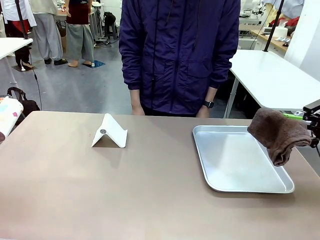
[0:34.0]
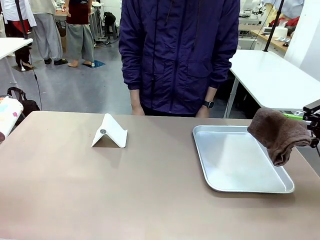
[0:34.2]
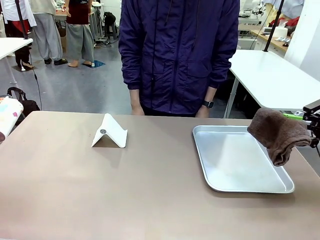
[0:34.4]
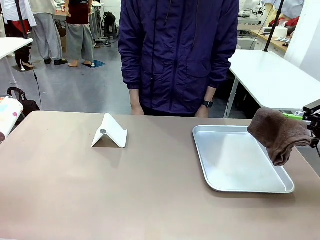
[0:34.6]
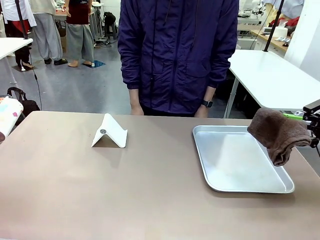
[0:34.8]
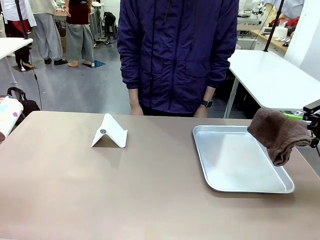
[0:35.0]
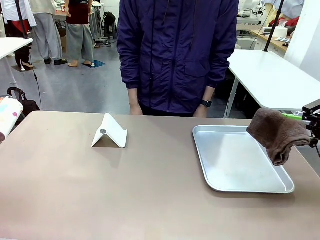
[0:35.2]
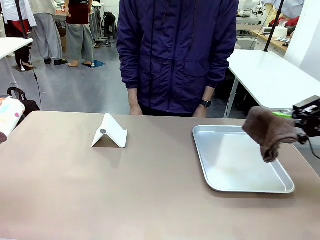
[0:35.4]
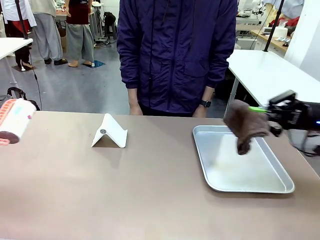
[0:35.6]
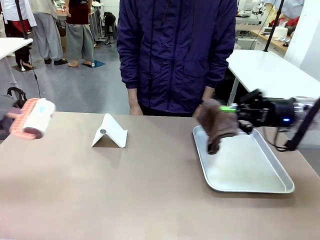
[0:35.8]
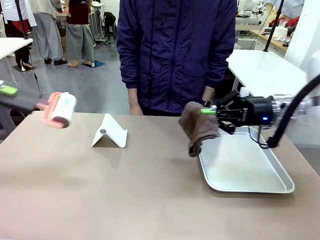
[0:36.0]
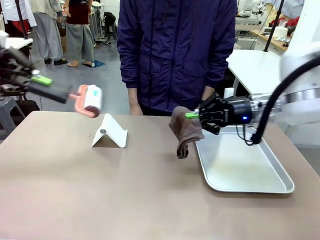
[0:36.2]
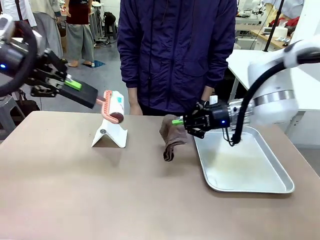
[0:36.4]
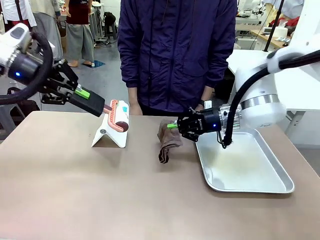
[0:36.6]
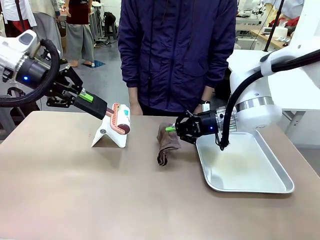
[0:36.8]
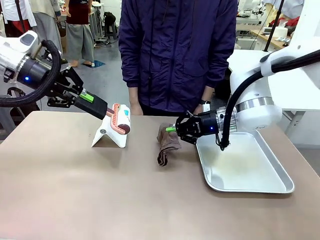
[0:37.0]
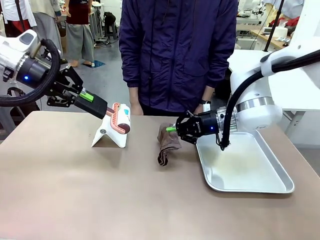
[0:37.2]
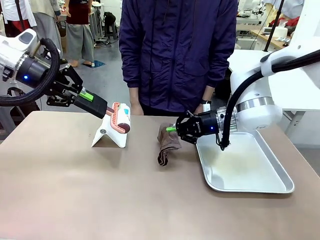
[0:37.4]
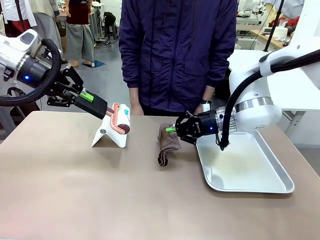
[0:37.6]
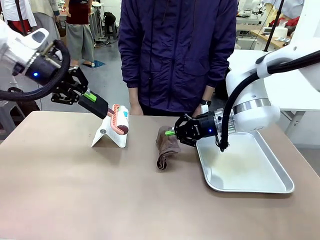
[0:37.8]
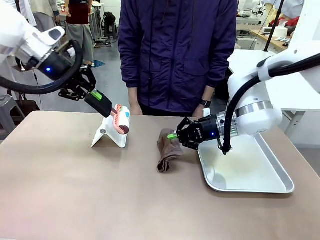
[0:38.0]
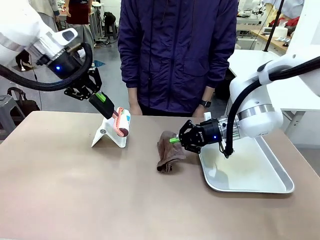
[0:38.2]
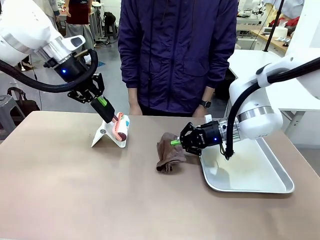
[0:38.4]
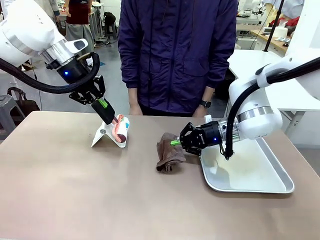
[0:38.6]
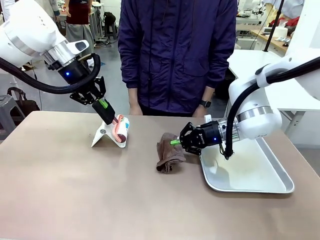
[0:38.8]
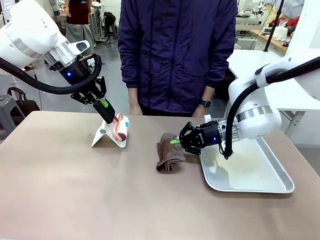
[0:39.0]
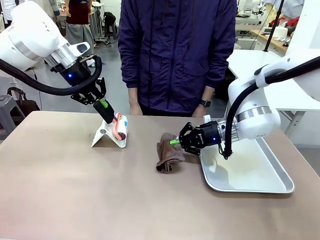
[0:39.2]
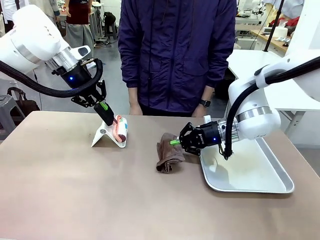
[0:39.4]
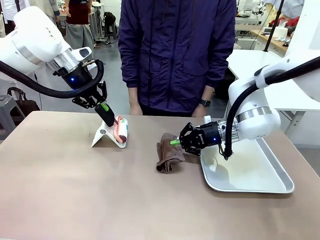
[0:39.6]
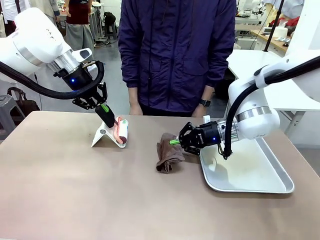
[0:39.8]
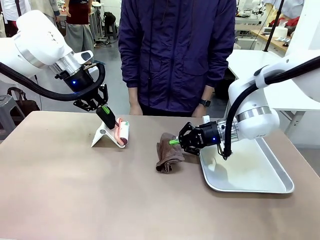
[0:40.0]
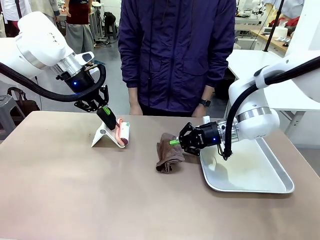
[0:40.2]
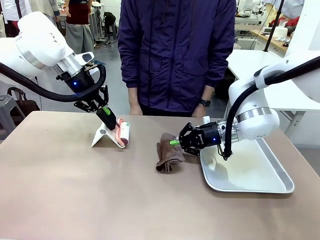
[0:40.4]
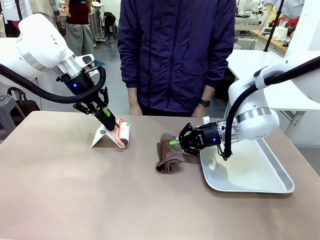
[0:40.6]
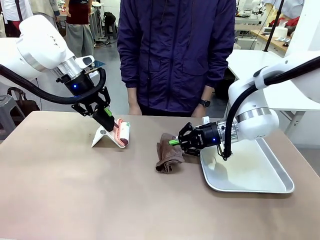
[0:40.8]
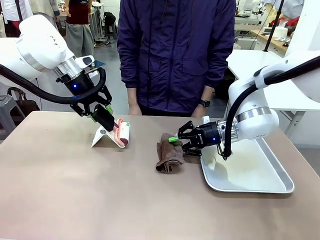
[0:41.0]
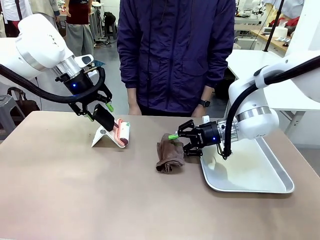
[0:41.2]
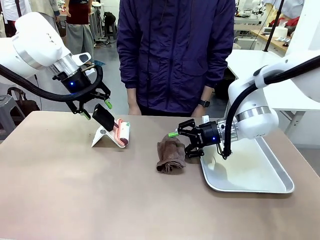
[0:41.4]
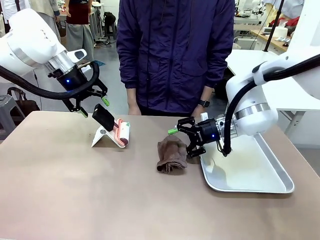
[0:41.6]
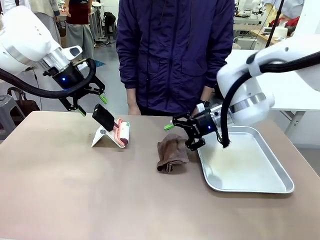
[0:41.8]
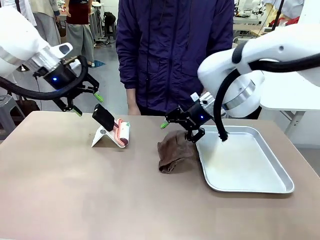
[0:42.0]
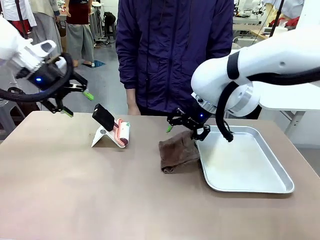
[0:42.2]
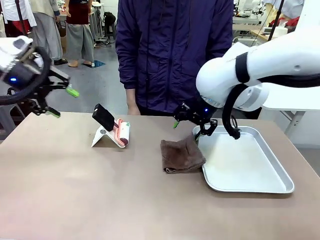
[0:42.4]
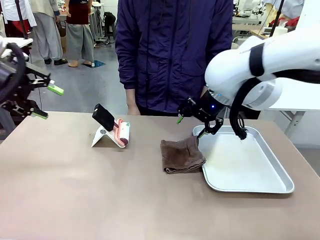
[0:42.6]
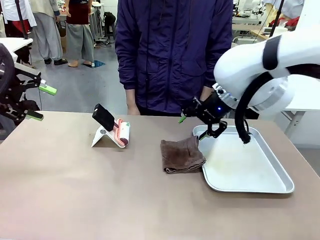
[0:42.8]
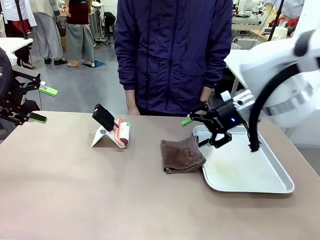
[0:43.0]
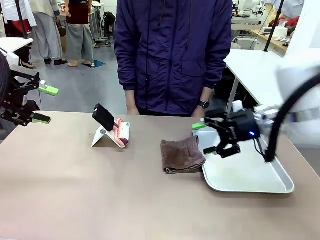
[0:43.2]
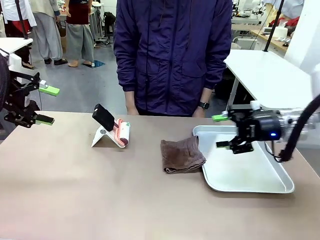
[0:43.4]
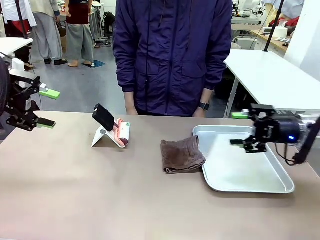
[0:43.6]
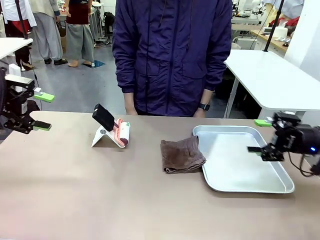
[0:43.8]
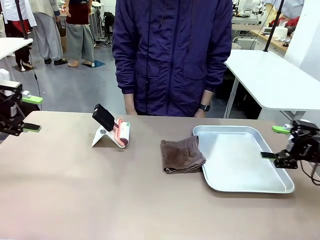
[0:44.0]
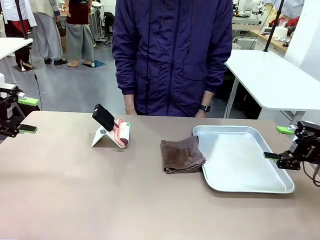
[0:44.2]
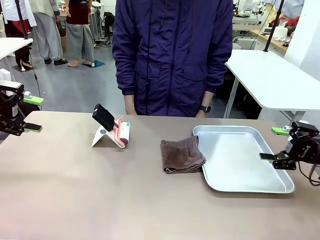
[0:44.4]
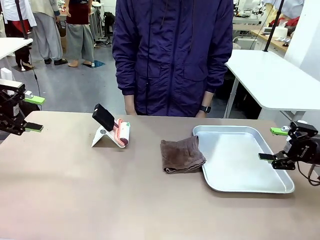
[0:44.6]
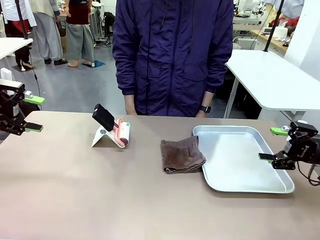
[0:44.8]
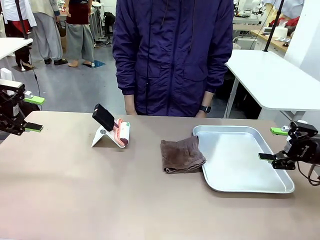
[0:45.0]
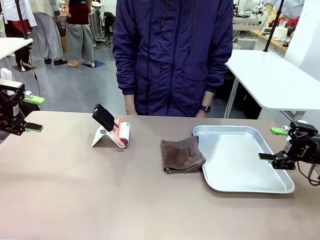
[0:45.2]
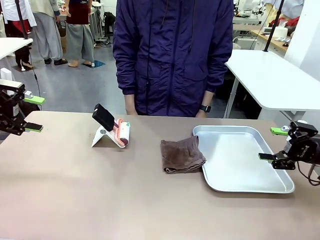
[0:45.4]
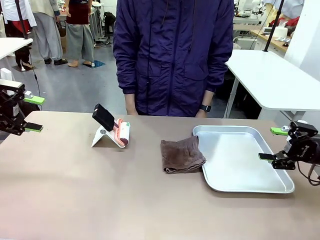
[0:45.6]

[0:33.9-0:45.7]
Task: Clean the surface of the table.
Robot: Return the Lint Roller and towel to their original positions.

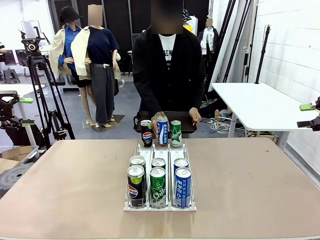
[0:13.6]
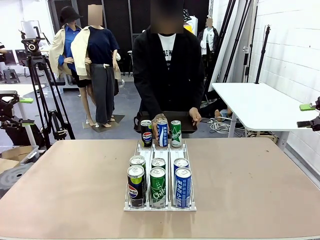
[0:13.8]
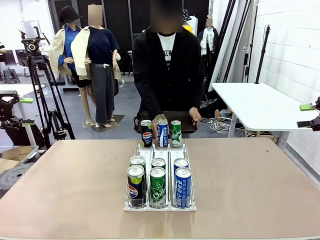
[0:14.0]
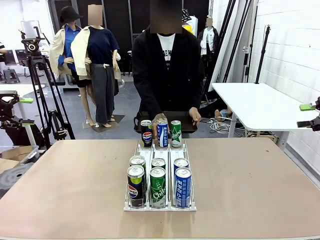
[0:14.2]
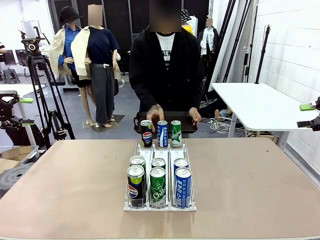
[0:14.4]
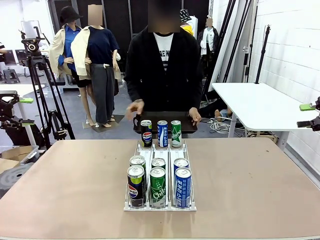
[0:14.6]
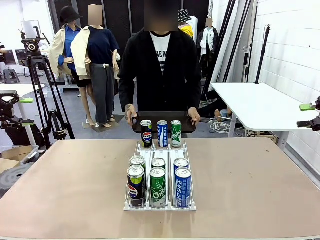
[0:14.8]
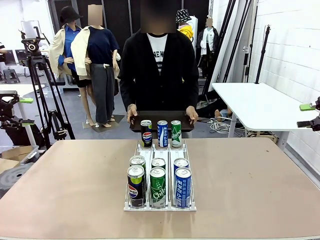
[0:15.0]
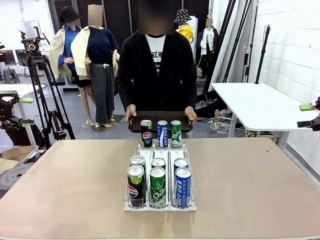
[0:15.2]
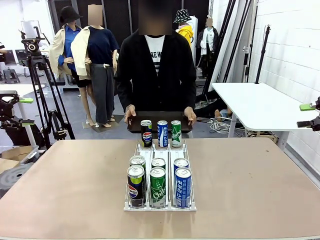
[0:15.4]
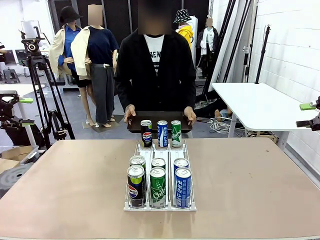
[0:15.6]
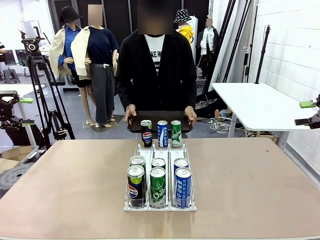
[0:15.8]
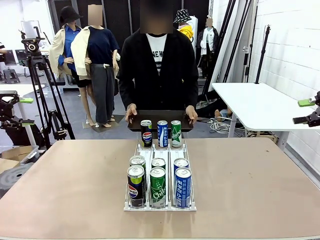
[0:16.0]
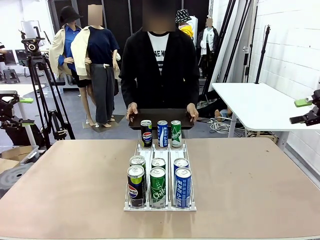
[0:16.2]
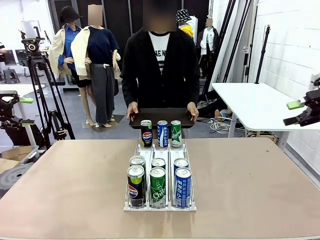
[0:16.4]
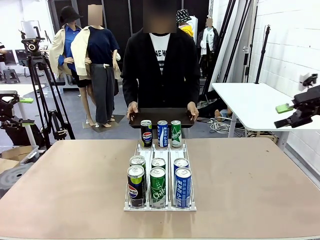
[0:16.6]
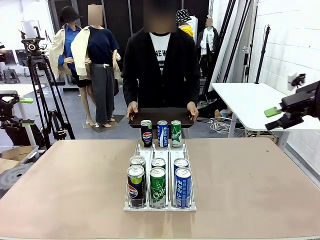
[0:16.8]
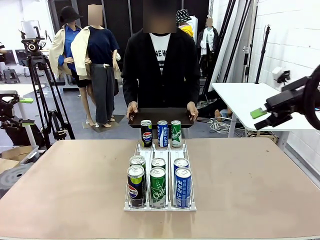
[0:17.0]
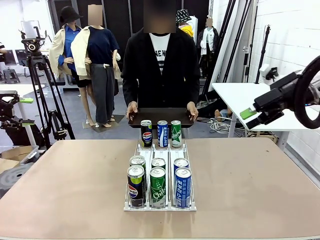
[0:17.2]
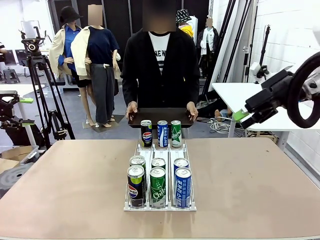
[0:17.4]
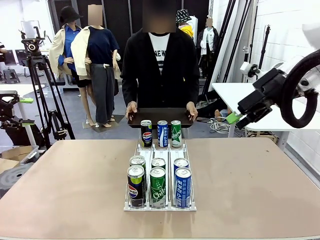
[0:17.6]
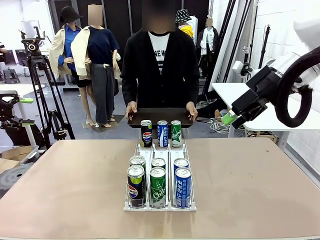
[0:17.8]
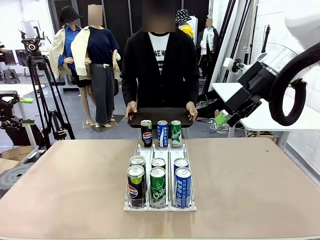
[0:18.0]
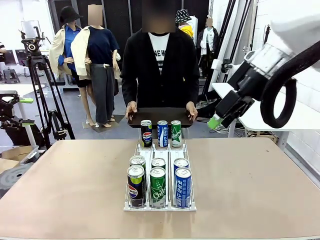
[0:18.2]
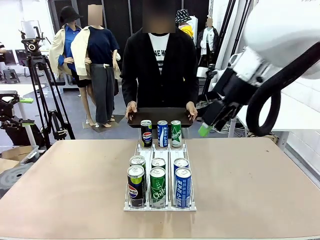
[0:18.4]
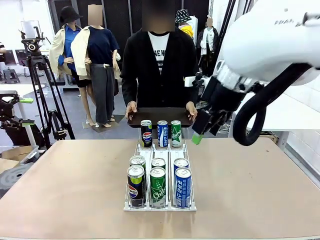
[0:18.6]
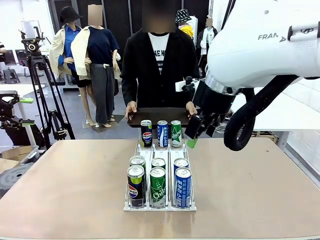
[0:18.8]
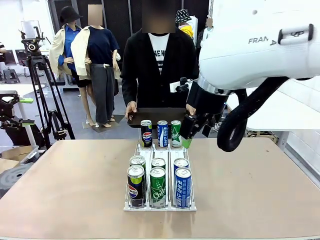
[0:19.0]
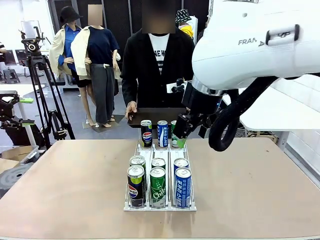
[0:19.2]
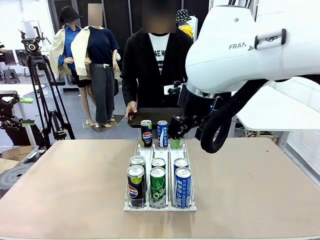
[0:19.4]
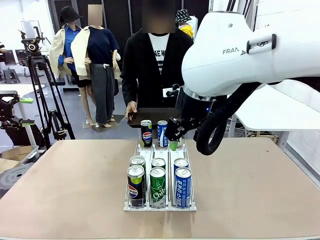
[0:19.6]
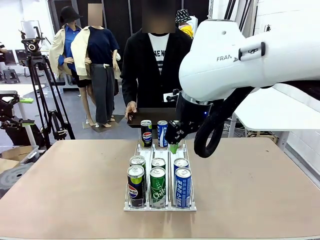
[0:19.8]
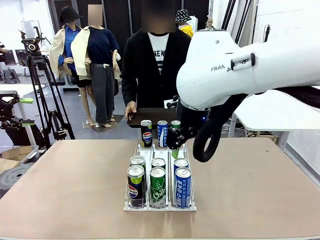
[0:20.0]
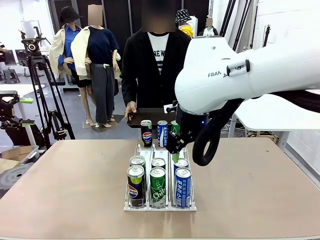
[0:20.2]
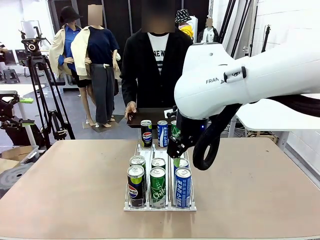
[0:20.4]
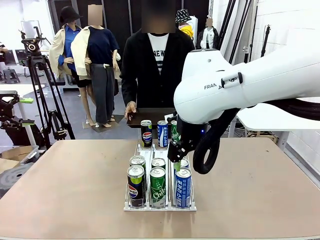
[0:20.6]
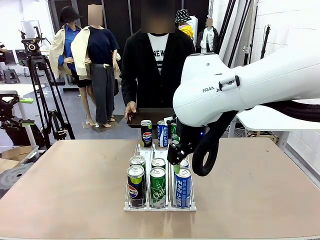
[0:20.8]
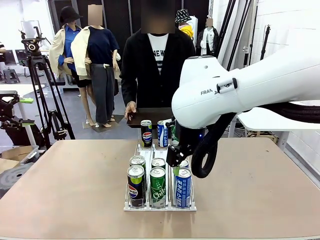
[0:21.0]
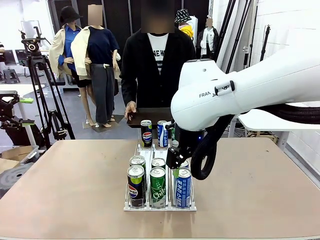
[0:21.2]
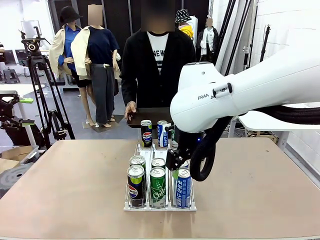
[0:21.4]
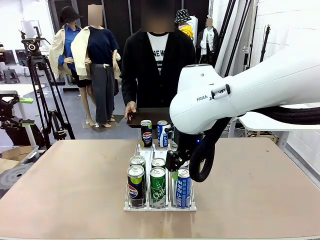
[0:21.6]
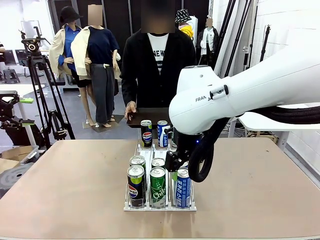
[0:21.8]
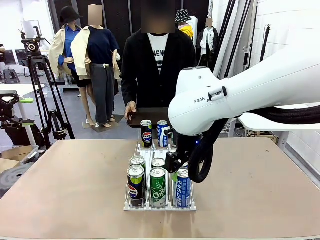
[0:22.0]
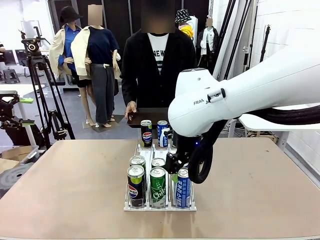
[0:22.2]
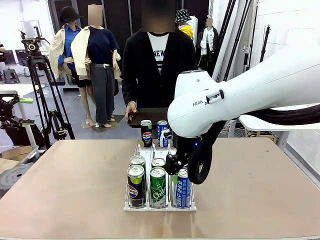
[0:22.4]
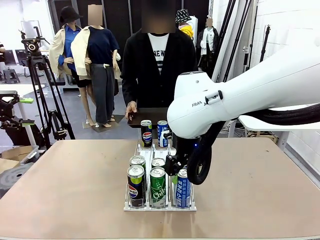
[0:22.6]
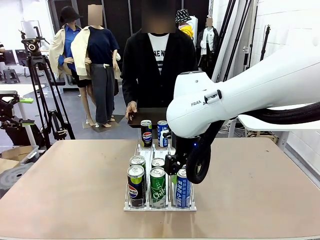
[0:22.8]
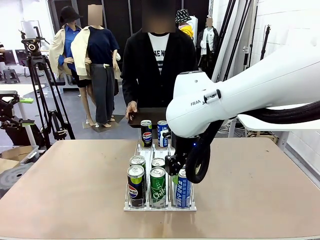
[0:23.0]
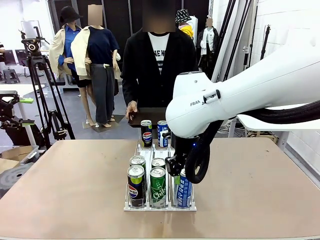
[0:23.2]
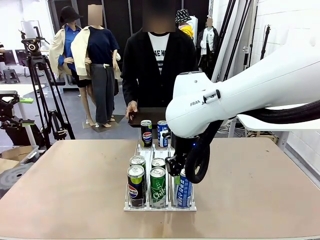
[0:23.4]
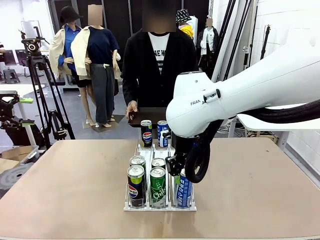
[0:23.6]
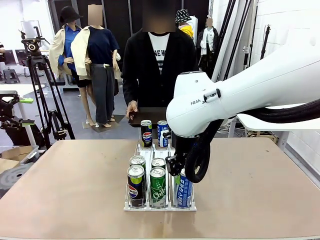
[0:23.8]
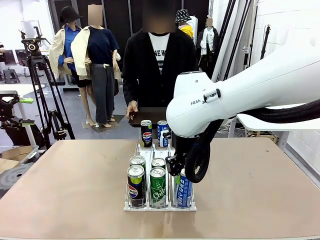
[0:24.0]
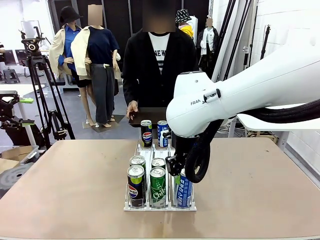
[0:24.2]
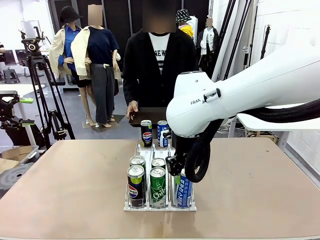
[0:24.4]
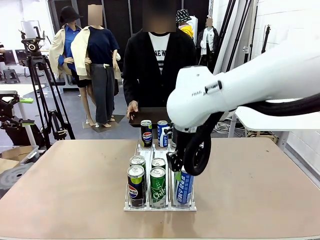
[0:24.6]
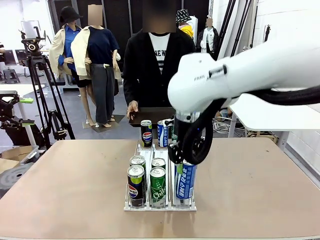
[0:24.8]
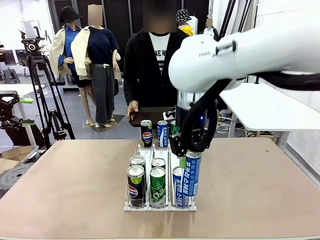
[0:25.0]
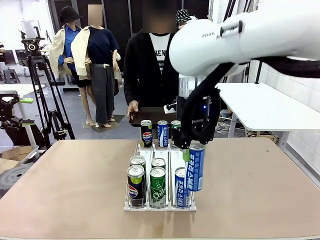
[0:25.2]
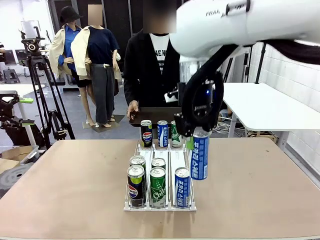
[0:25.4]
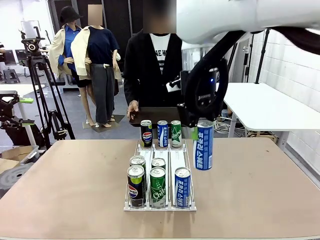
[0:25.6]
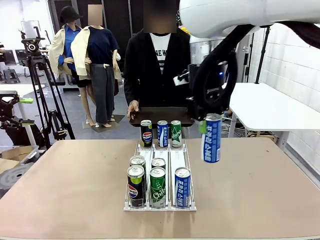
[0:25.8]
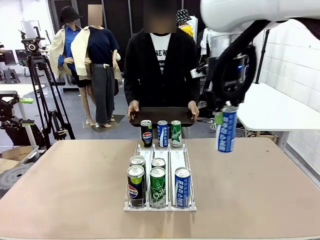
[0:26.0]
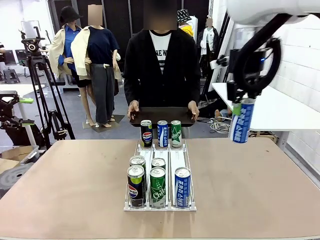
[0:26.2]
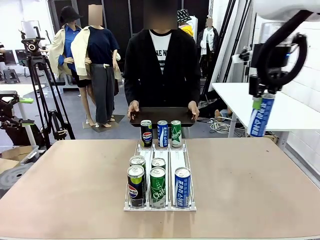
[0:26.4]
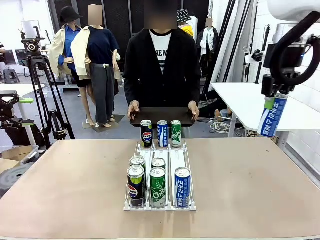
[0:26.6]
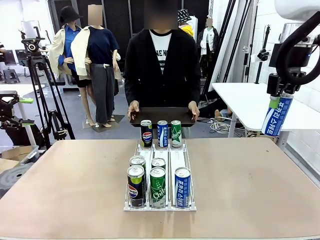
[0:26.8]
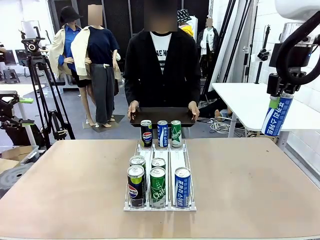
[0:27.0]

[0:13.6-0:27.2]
Task: Retrieve and hand over the desired beverage to the person.
Robot: Pick up a can of the same type that the person held from the Automatic Can Dispenser.
Person: Push the tray toward the robot.
